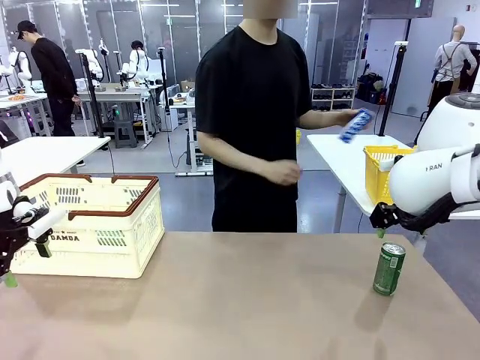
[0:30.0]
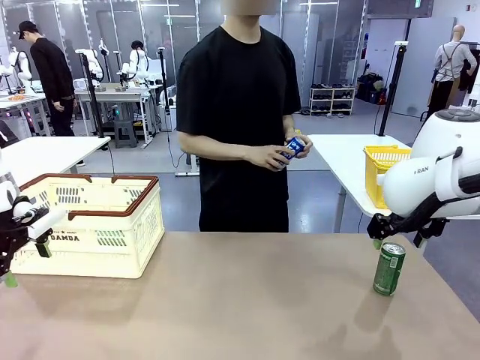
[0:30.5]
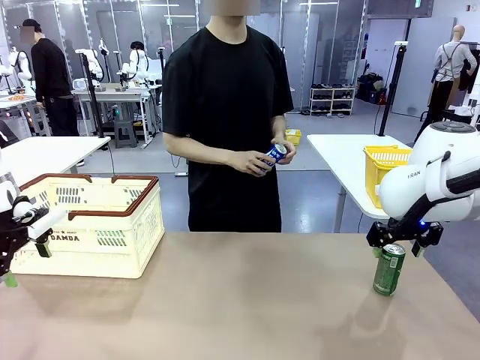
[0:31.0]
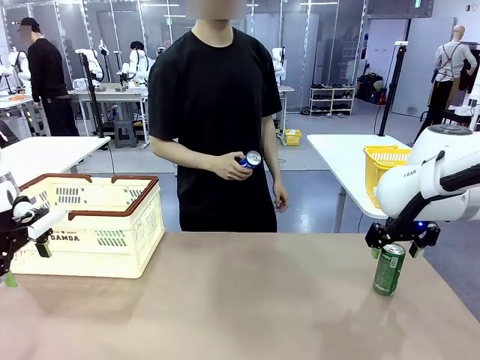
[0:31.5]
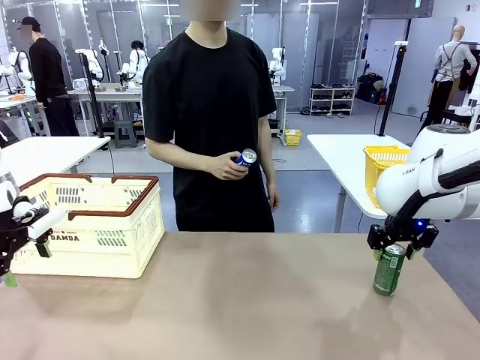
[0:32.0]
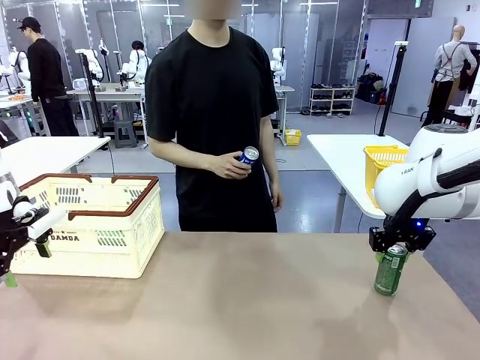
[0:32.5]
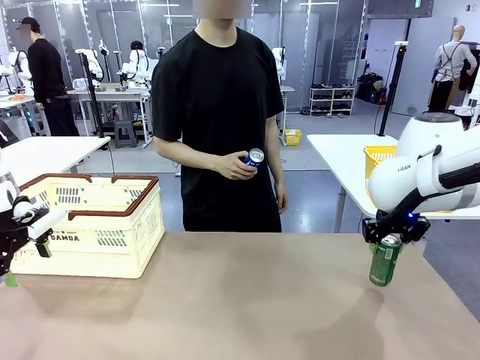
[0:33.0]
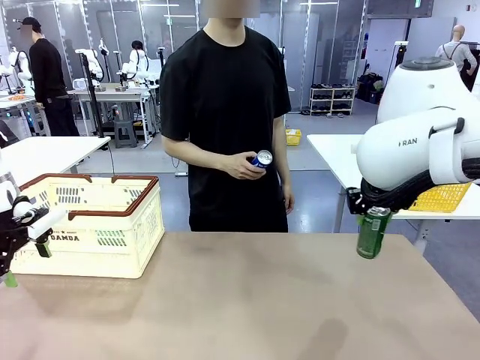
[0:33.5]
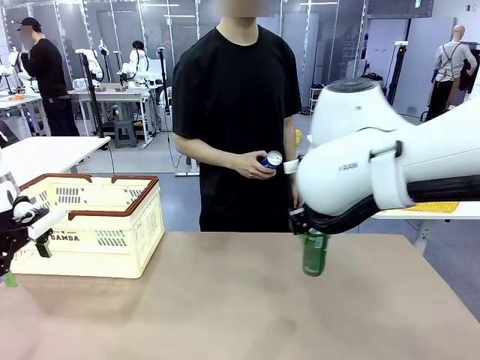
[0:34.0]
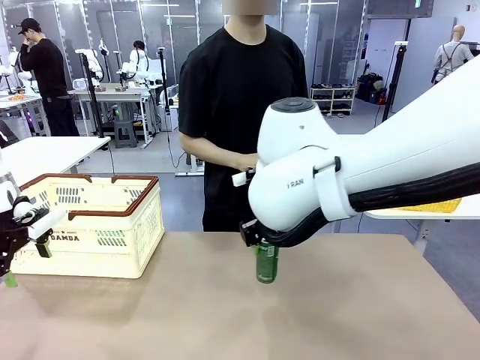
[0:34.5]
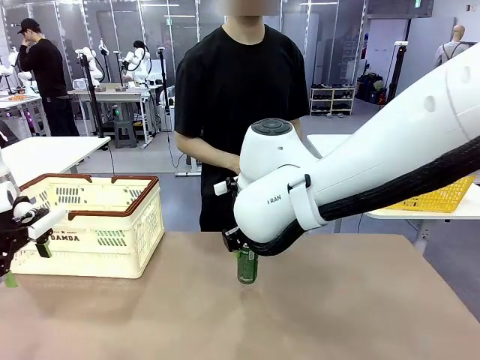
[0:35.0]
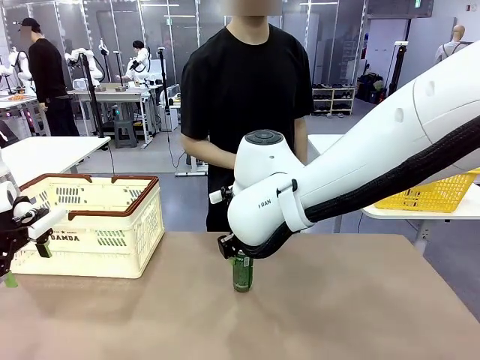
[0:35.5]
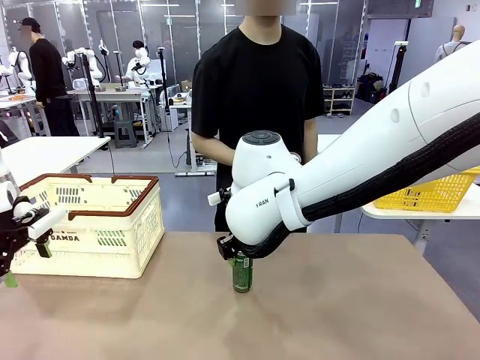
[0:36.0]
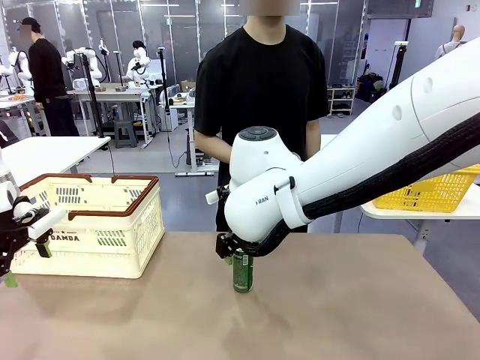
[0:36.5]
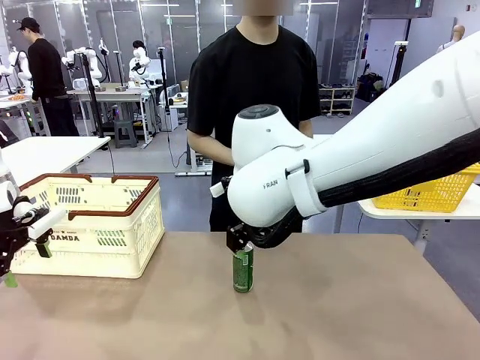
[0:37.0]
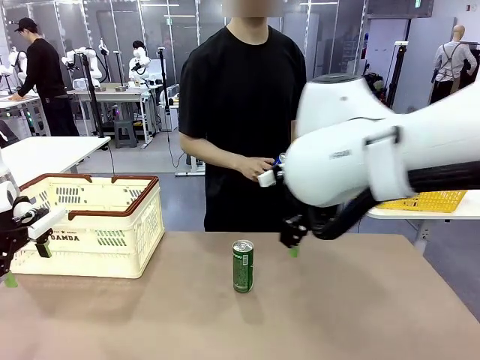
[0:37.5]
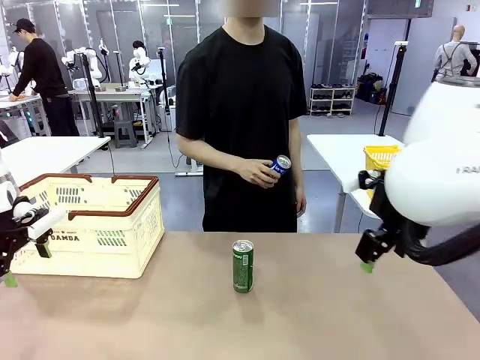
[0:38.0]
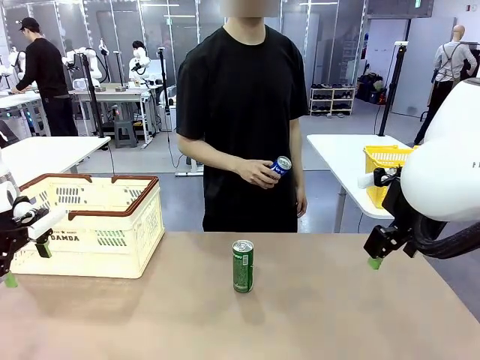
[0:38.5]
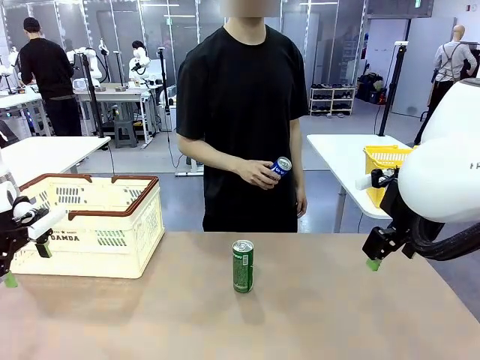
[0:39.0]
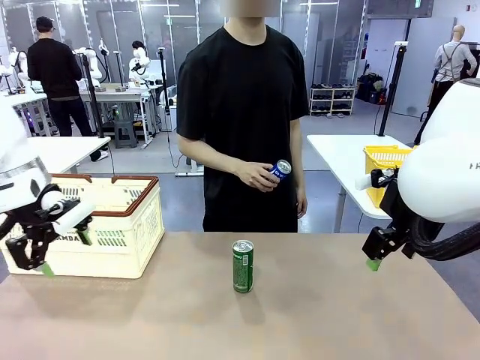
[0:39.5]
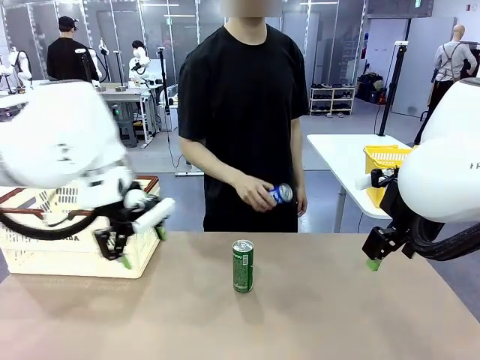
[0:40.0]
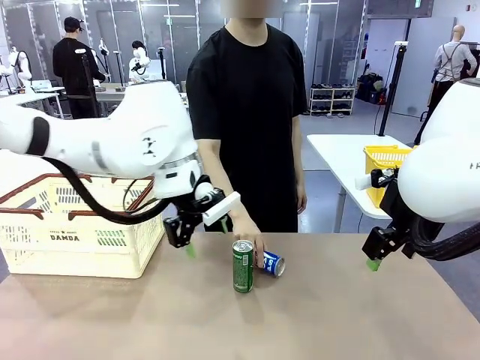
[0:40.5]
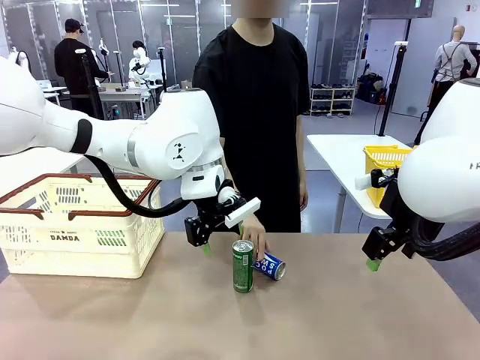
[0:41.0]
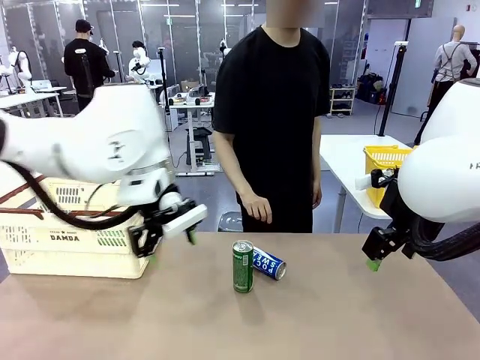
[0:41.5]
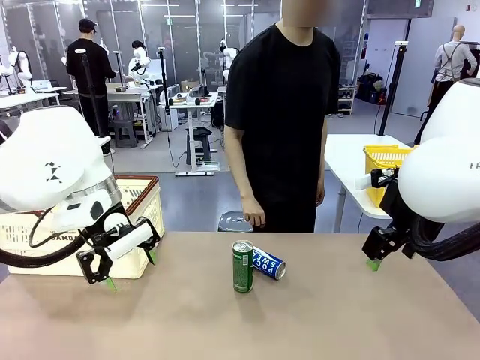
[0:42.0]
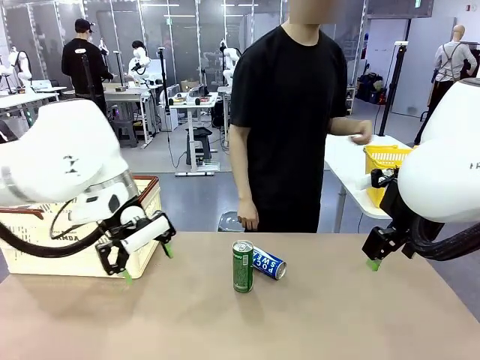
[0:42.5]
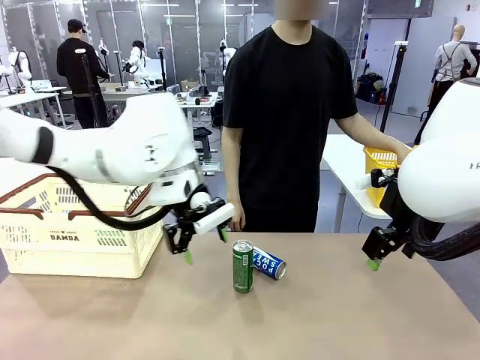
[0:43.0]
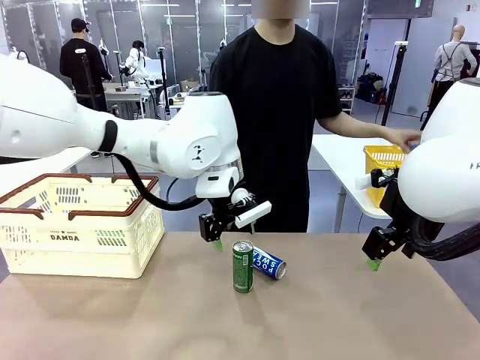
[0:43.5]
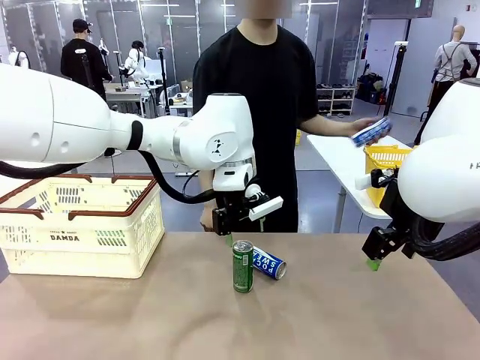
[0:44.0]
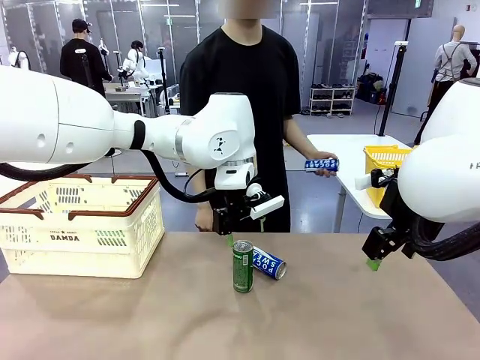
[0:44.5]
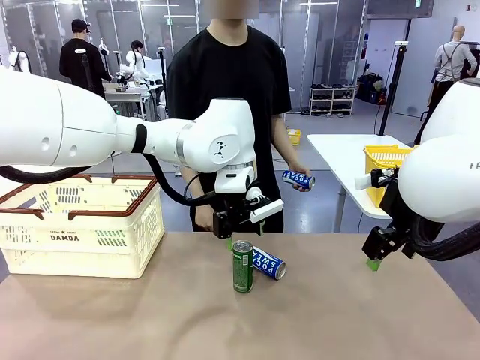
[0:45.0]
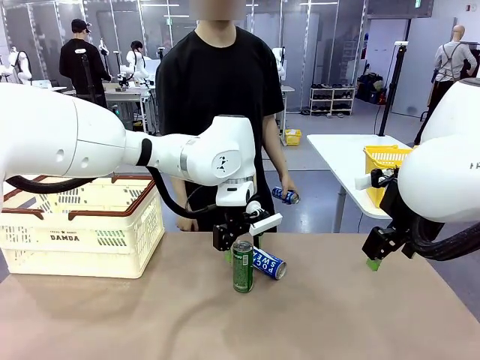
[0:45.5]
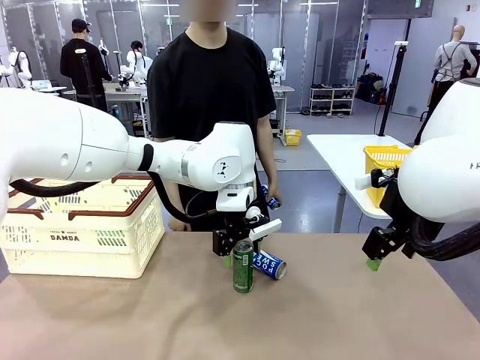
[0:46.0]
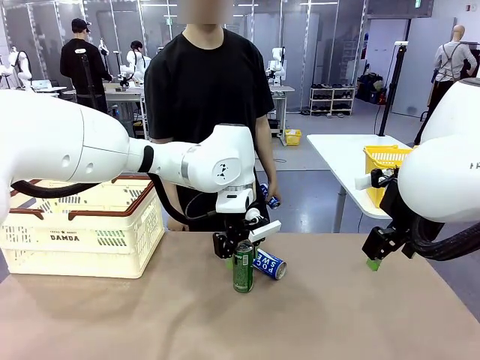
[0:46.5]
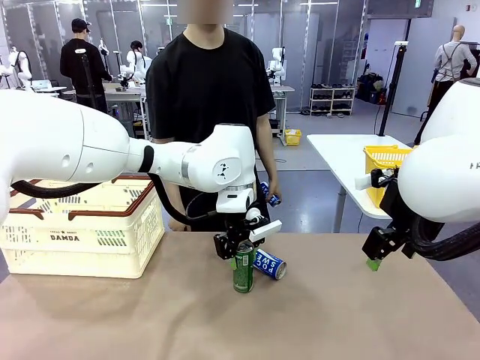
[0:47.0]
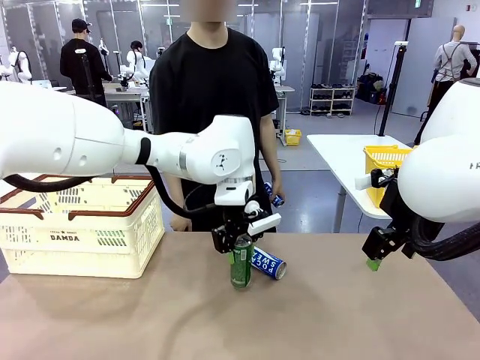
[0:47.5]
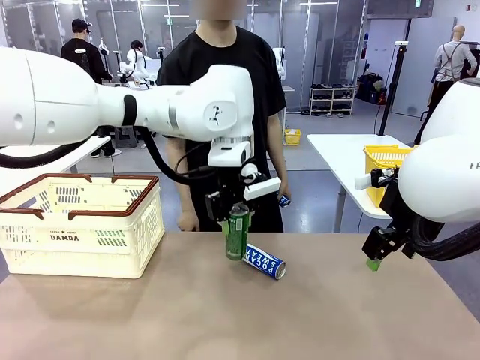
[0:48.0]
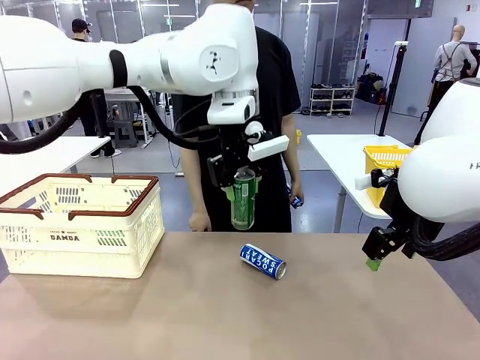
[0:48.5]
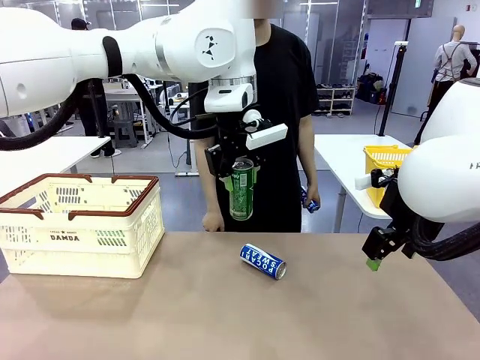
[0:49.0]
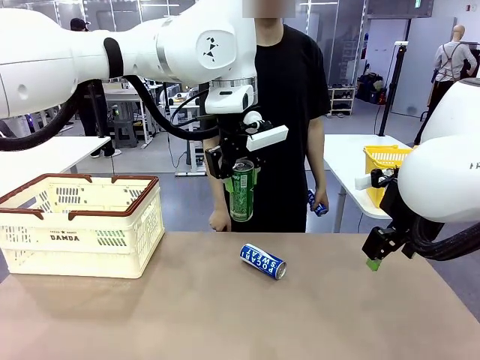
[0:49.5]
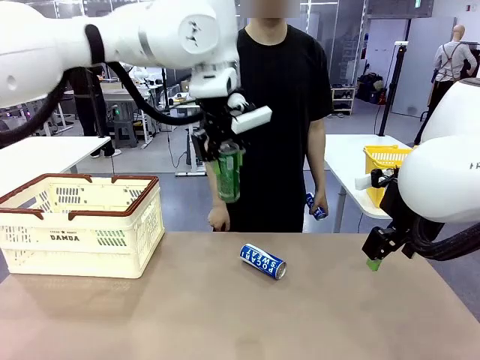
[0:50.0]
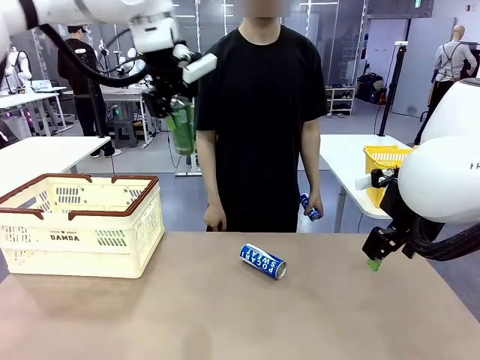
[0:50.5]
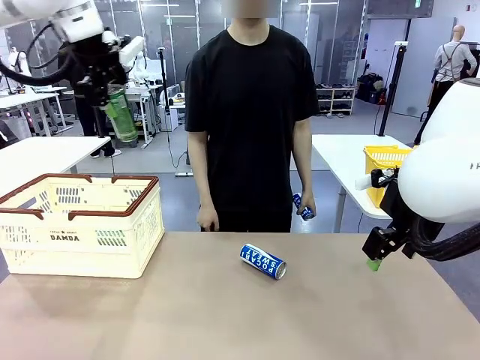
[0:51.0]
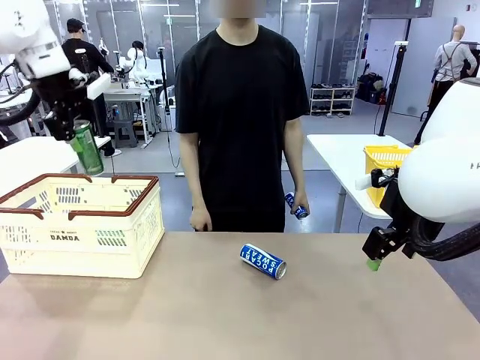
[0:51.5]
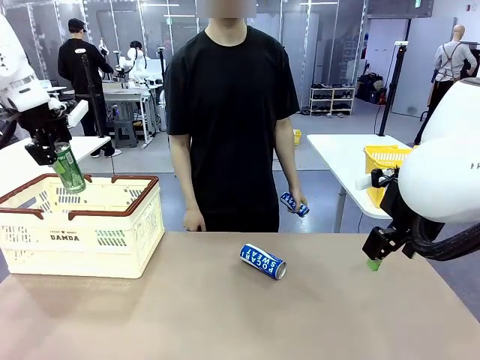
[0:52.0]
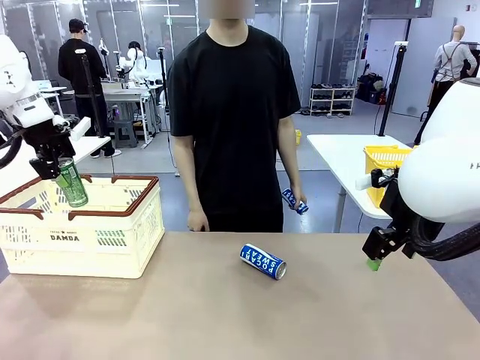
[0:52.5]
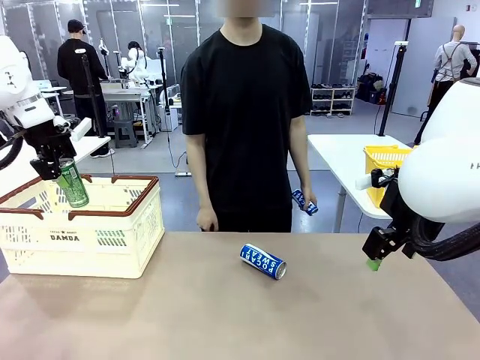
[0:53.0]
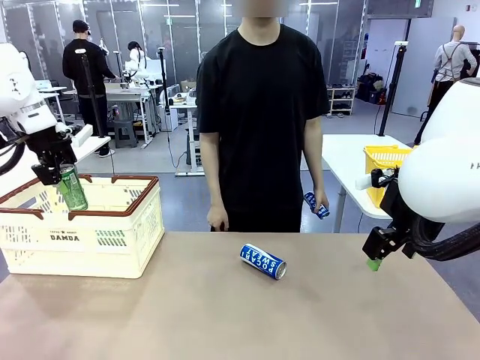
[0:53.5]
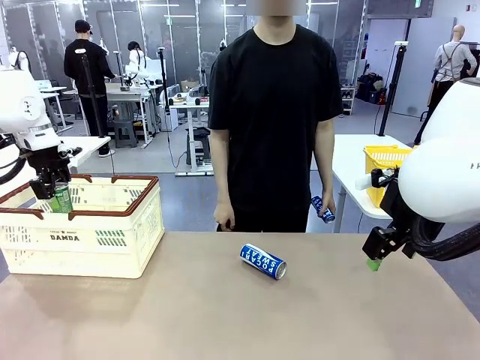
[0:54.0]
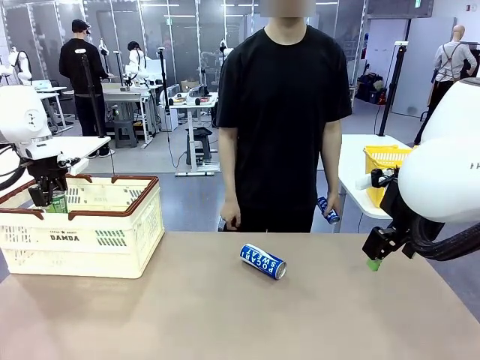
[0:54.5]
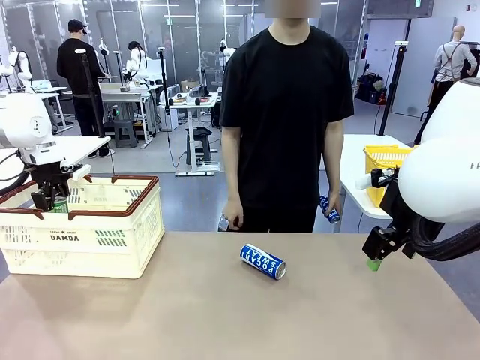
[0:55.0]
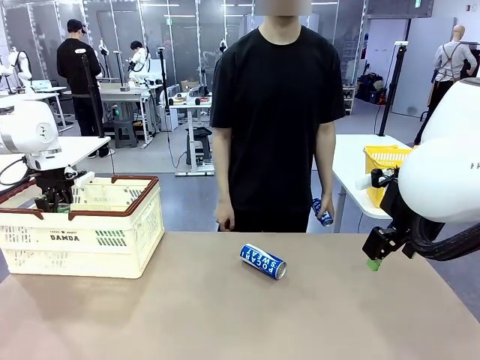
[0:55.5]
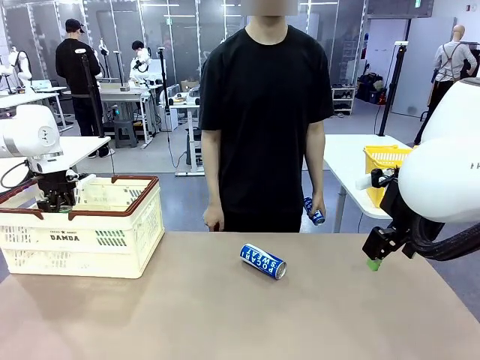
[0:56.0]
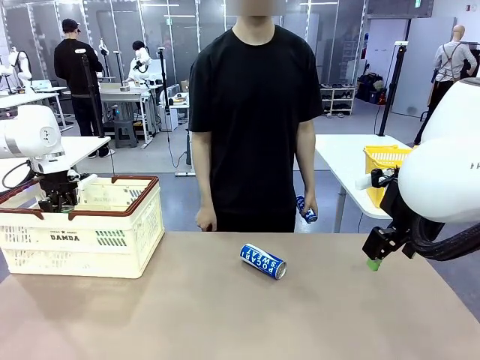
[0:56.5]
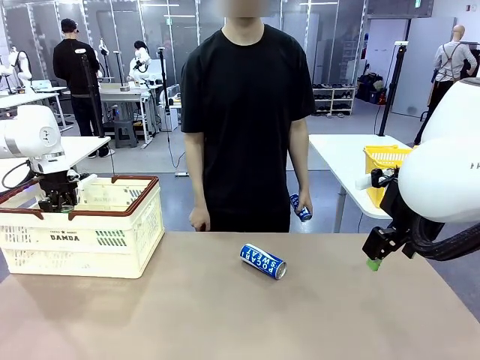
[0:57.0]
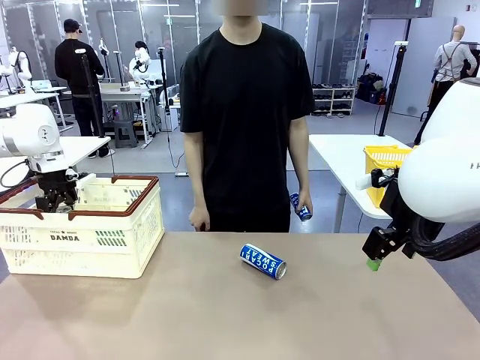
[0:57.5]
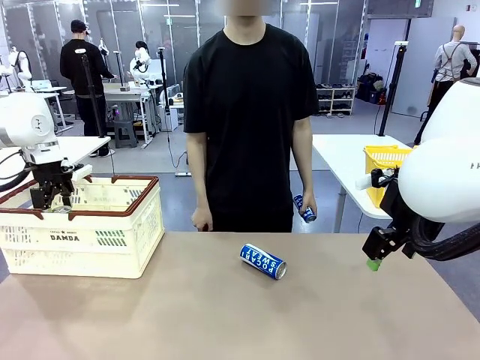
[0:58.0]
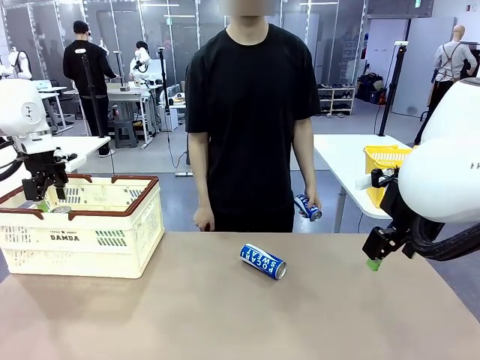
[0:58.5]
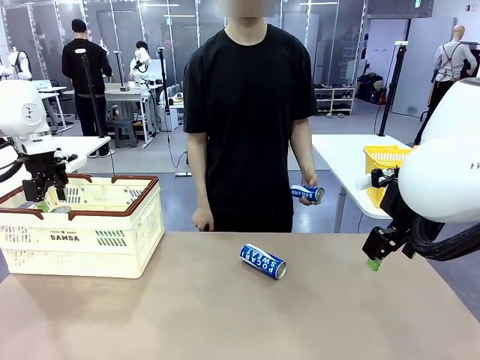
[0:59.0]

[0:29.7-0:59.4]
Task: Place the drinks into the Shopping basket.
Robot: Pick up one drink and place it into the Shopping basket.
